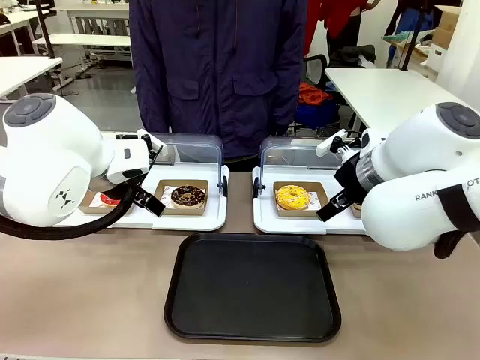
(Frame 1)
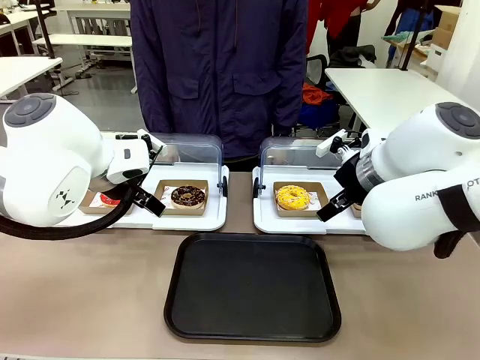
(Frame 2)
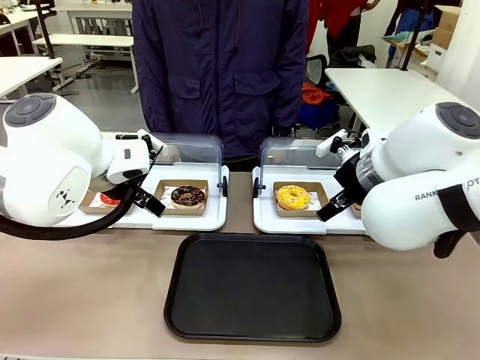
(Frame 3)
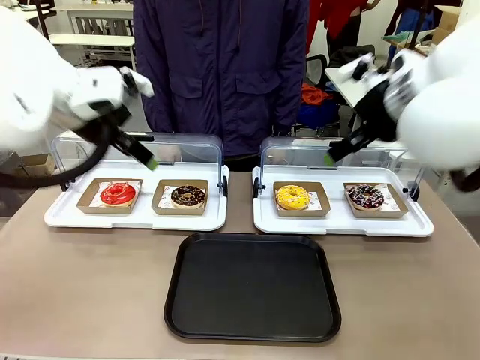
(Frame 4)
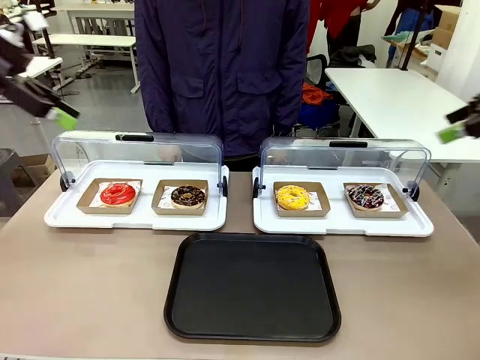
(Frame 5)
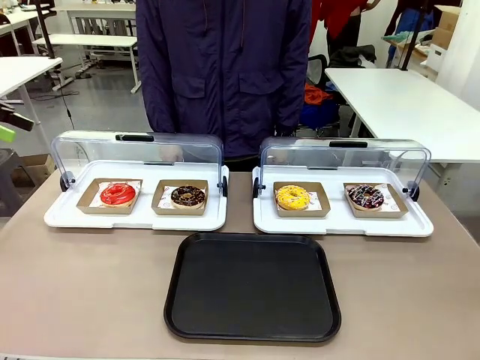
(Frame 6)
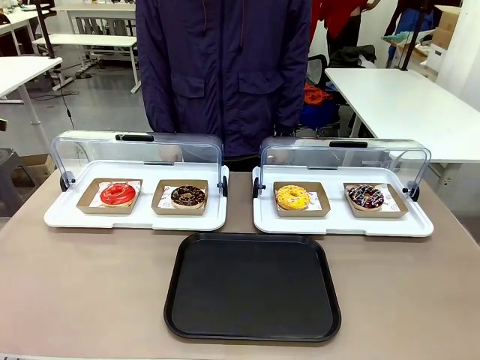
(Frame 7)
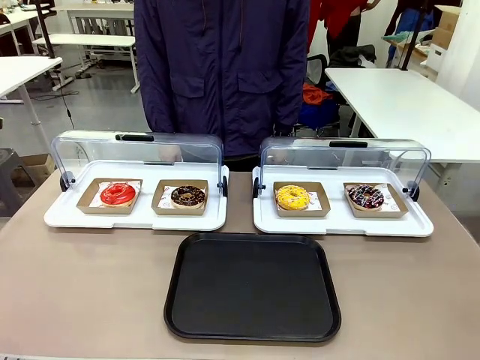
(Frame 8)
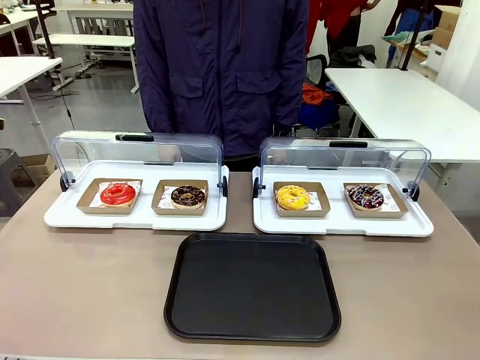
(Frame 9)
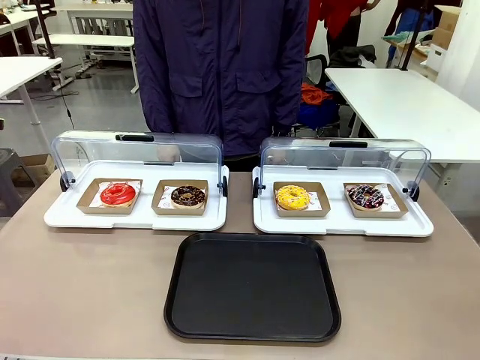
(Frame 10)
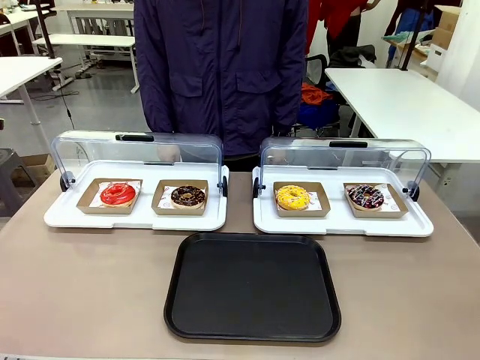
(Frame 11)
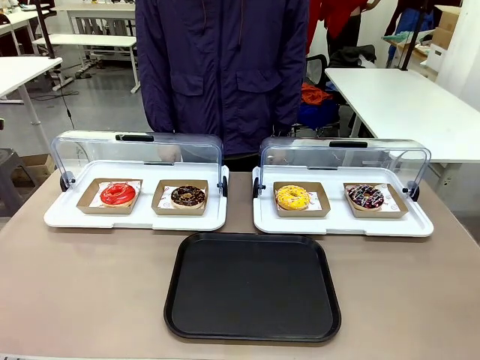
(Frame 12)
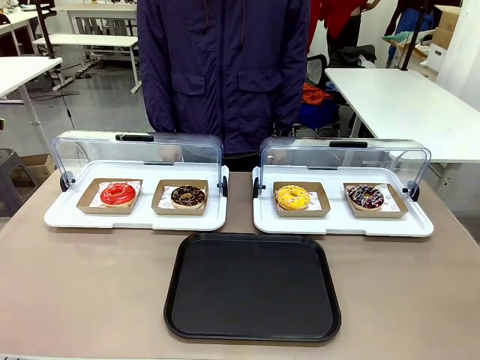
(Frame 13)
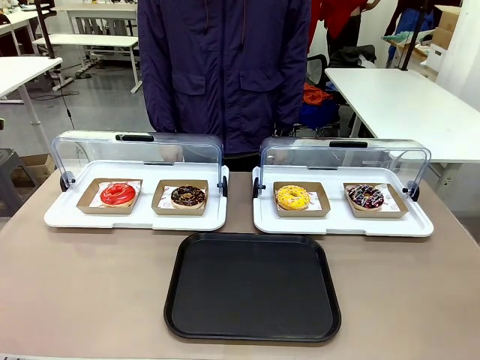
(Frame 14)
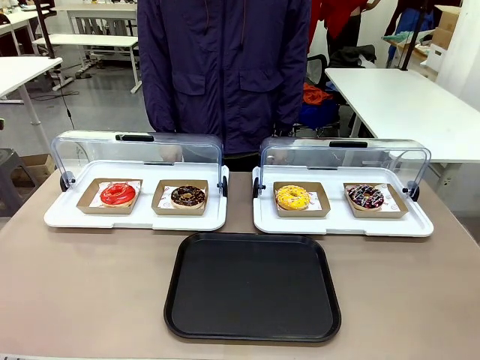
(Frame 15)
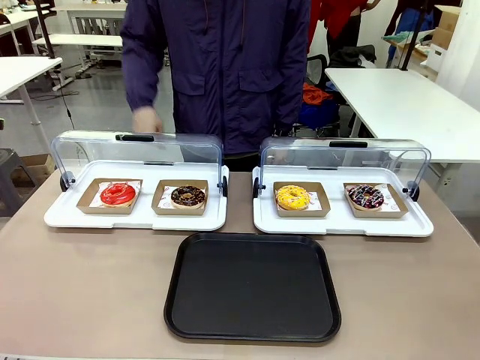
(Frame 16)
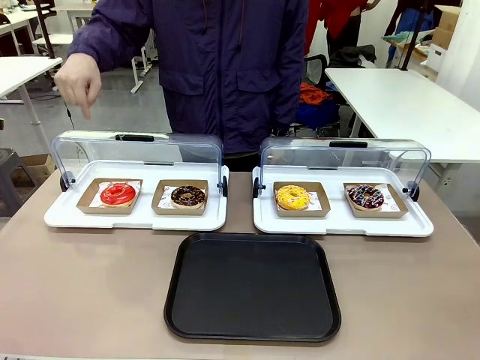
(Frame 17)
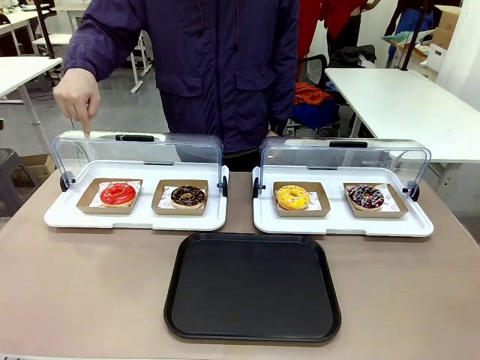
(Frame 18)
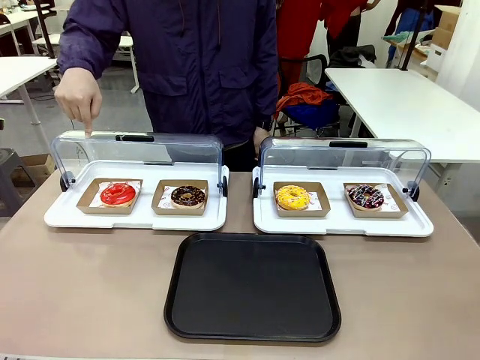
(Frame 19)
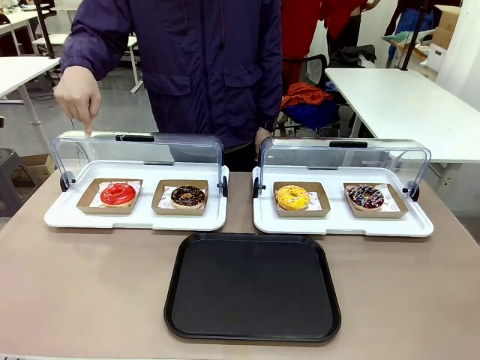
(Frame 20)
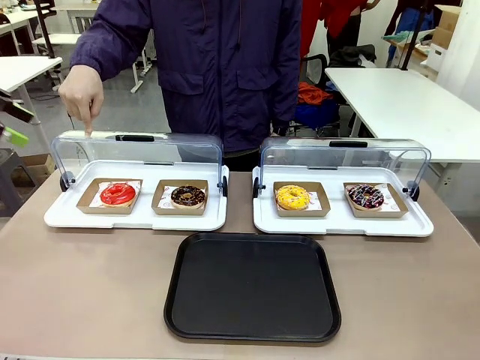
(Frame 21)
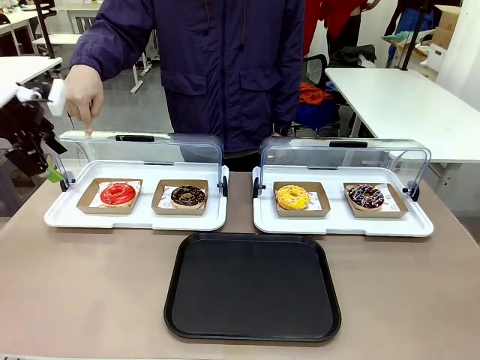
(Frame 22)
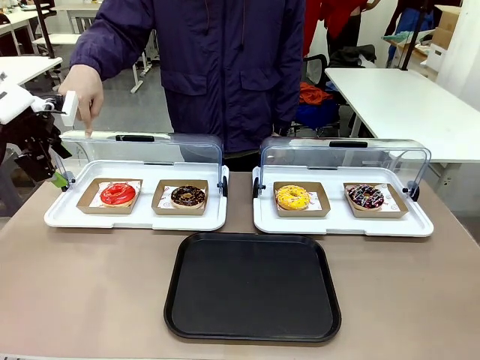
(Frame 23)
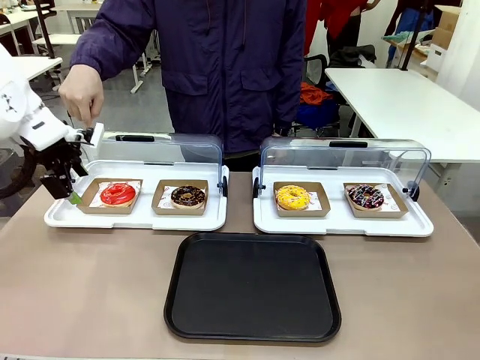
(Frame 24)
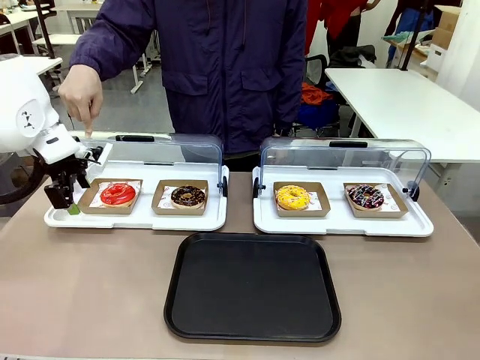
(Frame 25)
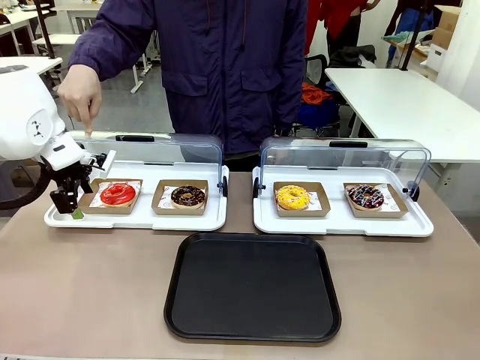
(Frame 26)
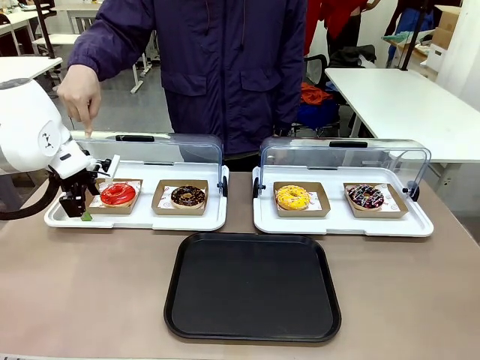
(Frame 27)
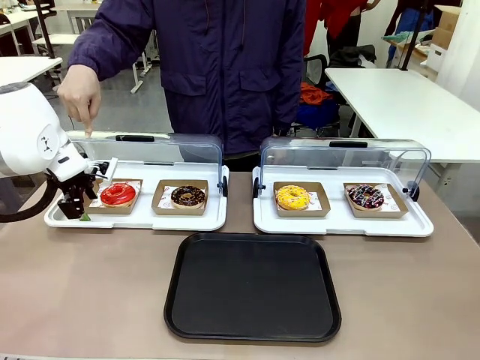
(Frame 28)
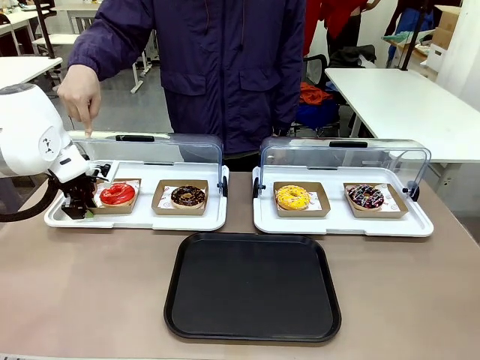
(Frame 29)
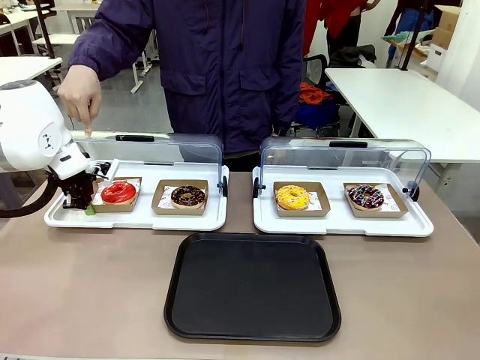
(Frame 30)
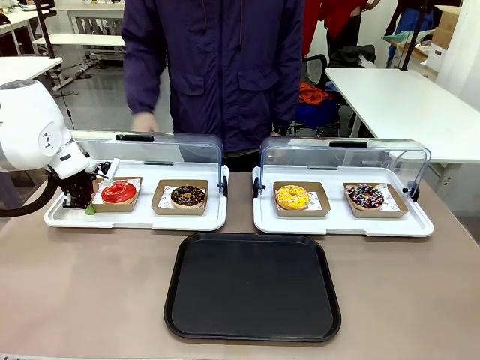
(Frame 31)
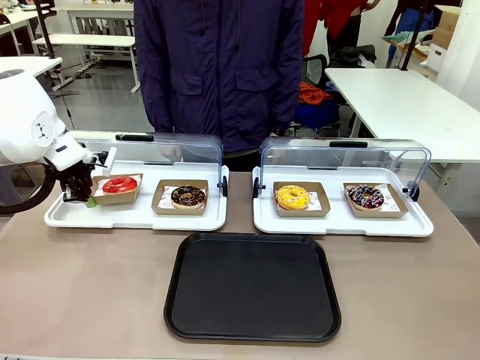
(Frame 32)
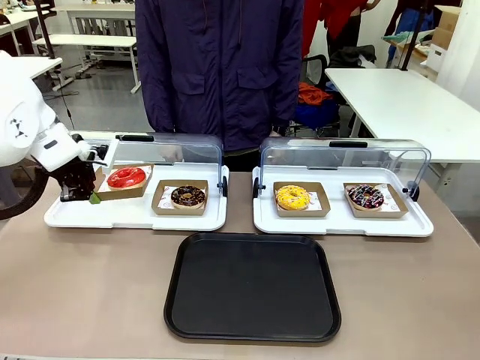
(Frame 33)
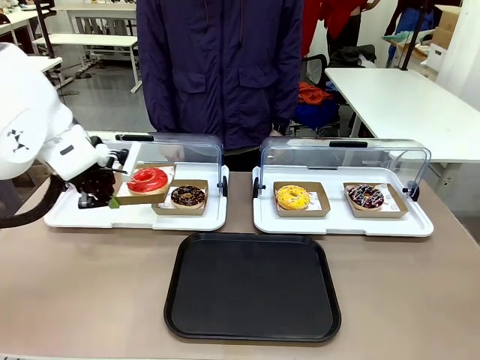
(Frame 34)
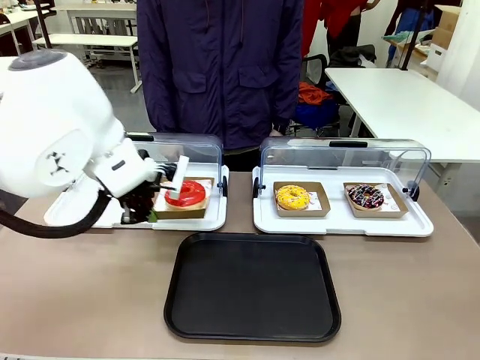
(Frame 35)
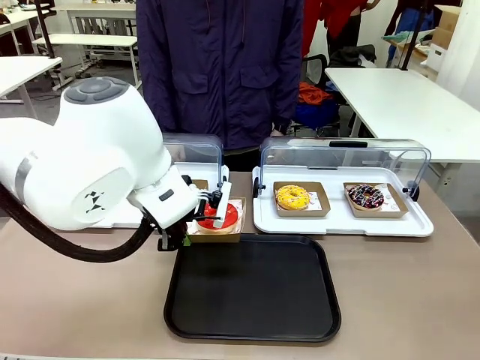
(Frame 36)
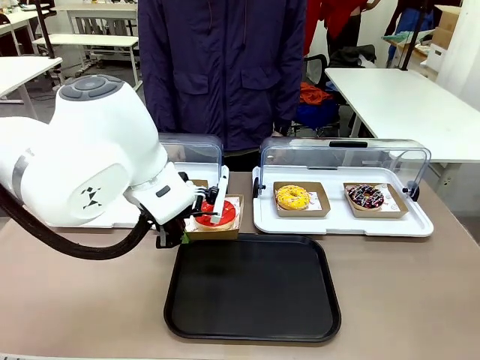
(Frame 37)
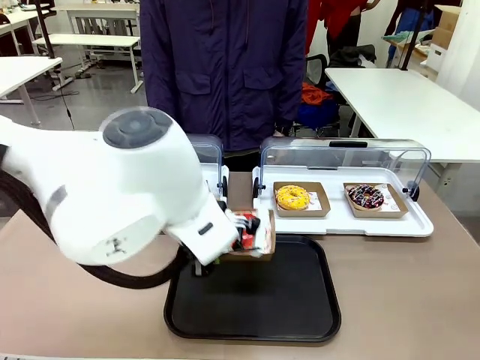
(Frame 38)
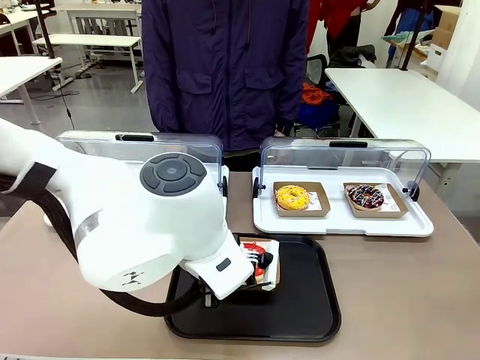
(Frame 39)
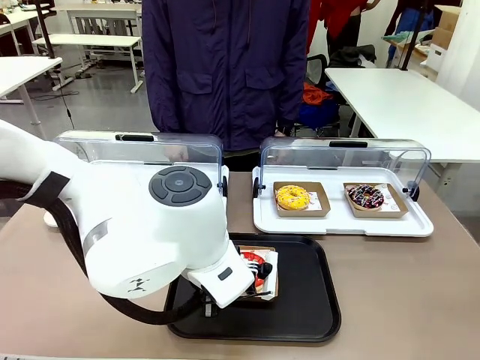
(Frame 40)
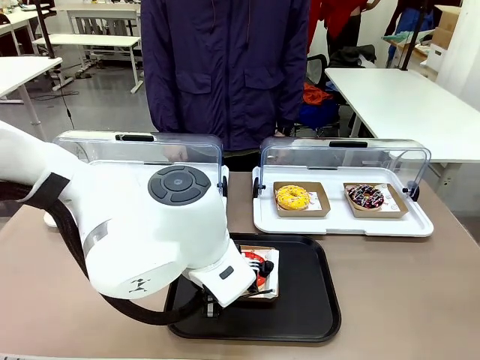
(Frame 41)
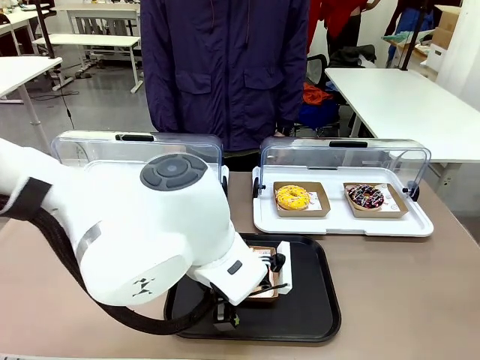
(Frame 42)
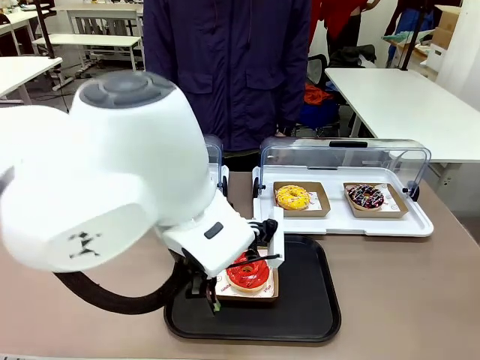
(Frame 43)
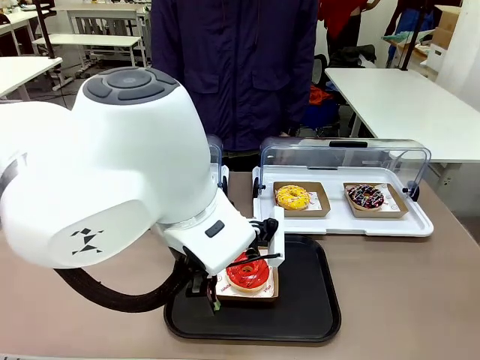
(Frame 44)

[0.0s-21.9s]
Task: Move the first donut from the left to the tray.
Robot: Pick up the Paper togo box containing the Donut indicated by the person and place it on the Handle tray.
Person: Points to the first donut from the left from the robot’s perspective.
